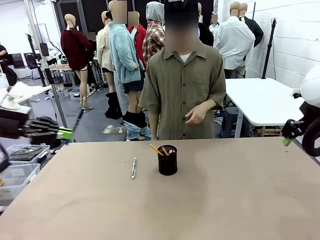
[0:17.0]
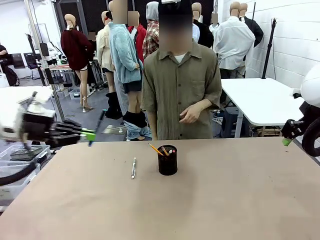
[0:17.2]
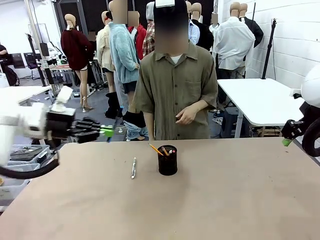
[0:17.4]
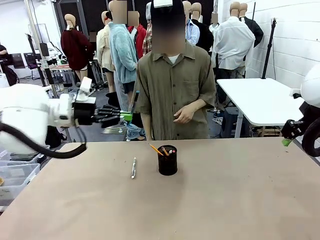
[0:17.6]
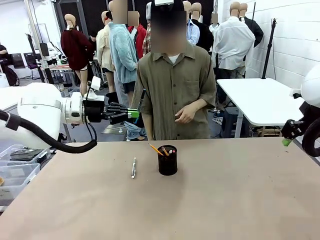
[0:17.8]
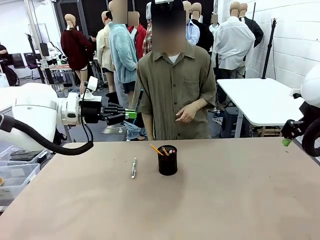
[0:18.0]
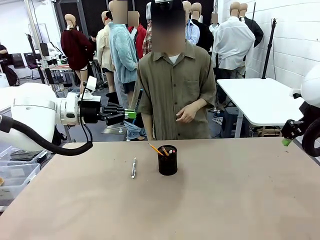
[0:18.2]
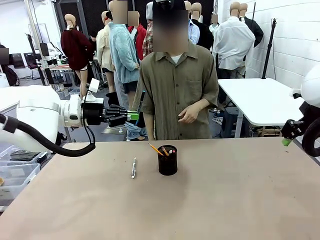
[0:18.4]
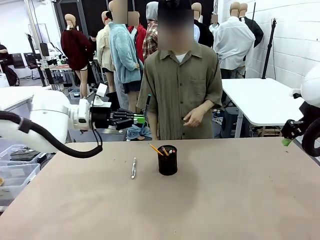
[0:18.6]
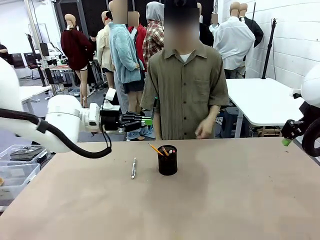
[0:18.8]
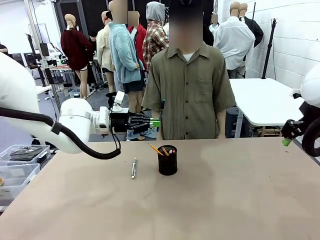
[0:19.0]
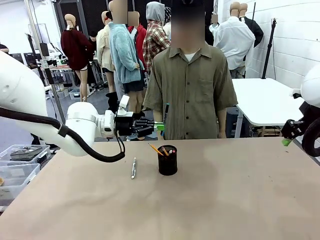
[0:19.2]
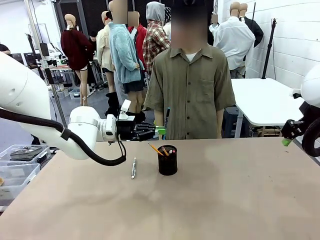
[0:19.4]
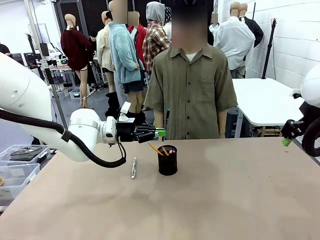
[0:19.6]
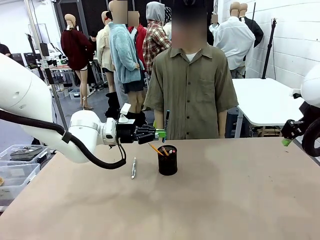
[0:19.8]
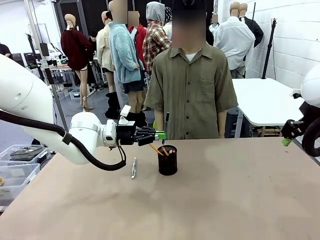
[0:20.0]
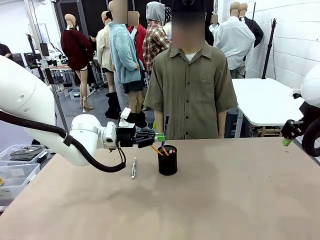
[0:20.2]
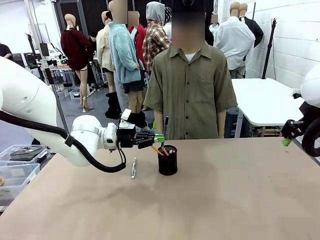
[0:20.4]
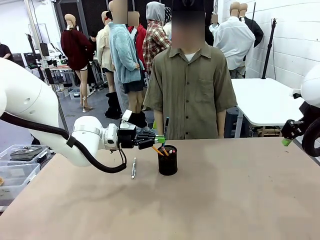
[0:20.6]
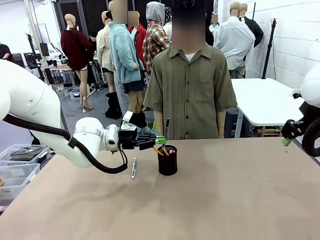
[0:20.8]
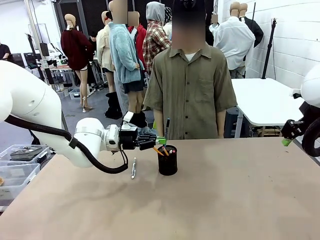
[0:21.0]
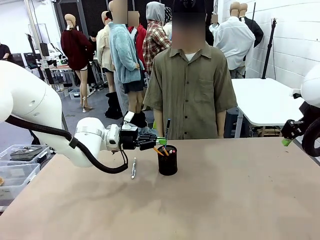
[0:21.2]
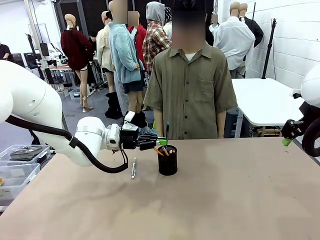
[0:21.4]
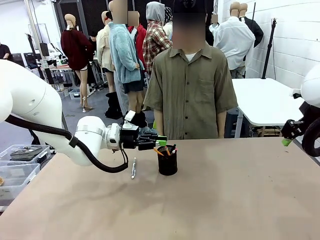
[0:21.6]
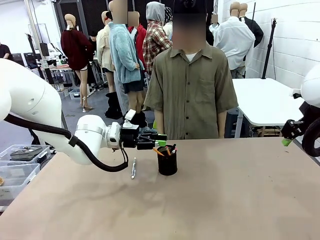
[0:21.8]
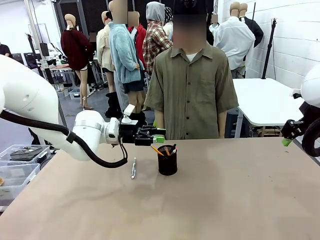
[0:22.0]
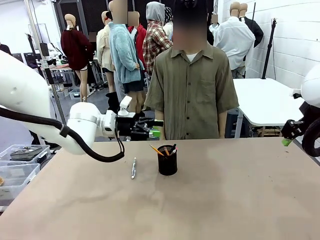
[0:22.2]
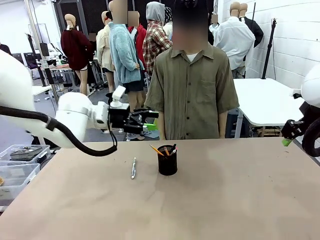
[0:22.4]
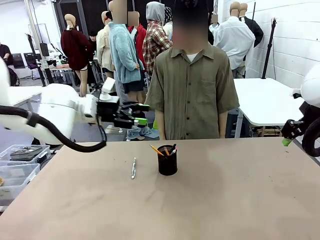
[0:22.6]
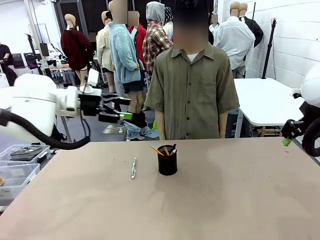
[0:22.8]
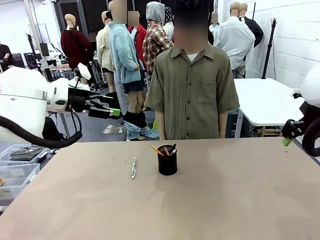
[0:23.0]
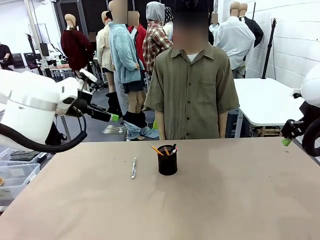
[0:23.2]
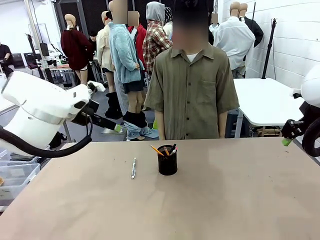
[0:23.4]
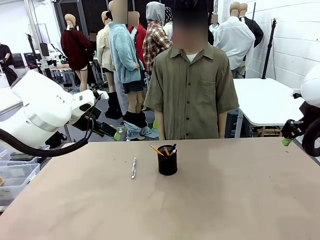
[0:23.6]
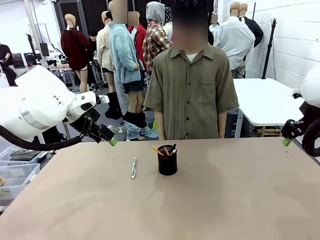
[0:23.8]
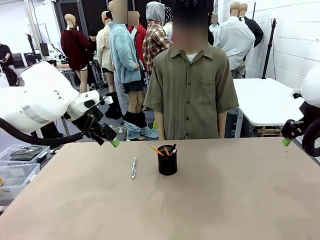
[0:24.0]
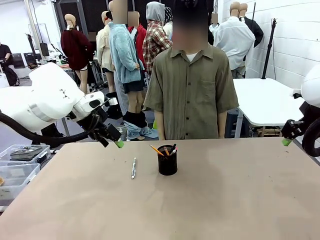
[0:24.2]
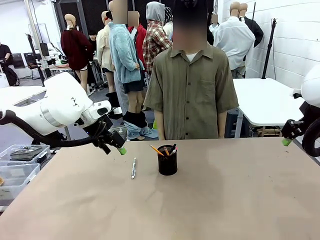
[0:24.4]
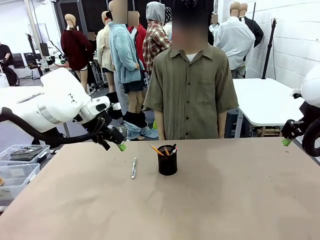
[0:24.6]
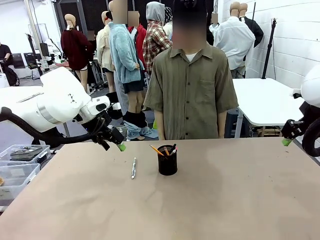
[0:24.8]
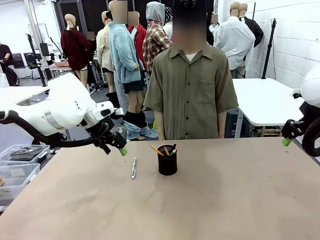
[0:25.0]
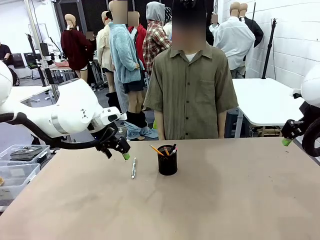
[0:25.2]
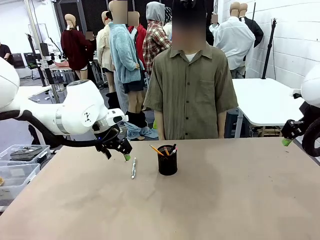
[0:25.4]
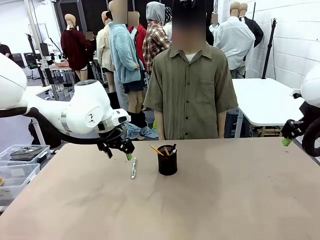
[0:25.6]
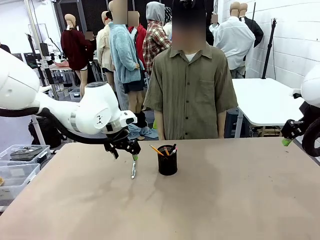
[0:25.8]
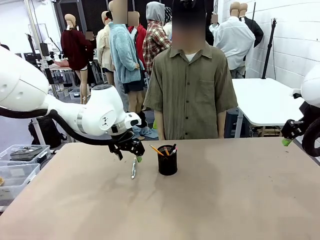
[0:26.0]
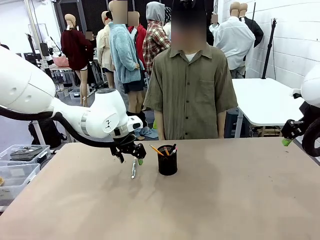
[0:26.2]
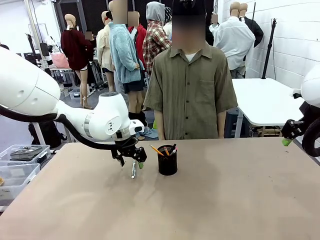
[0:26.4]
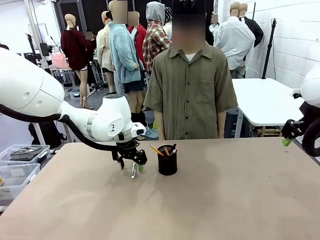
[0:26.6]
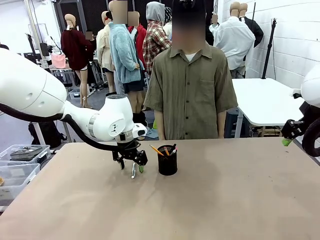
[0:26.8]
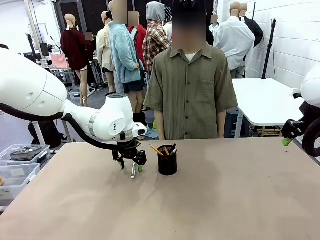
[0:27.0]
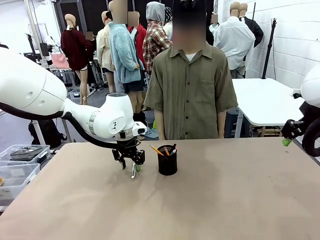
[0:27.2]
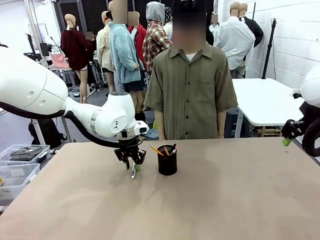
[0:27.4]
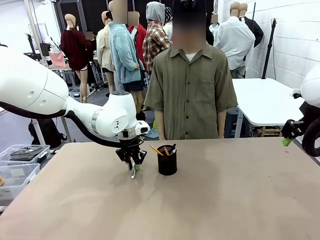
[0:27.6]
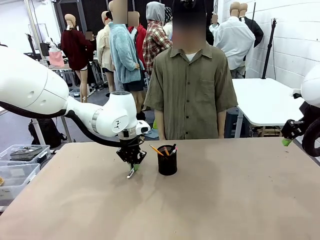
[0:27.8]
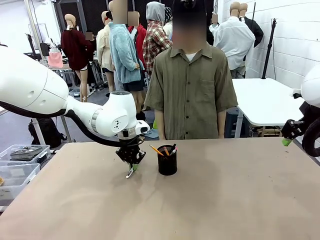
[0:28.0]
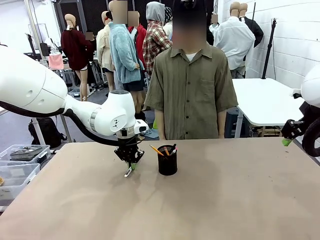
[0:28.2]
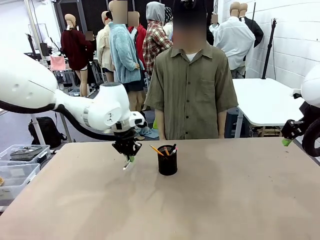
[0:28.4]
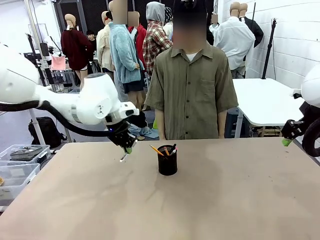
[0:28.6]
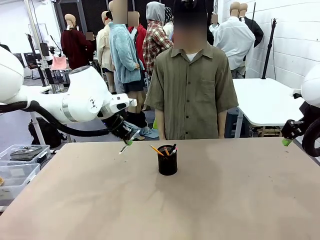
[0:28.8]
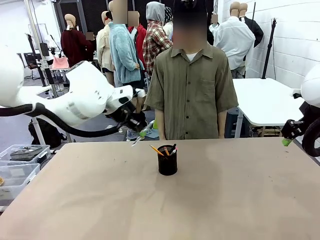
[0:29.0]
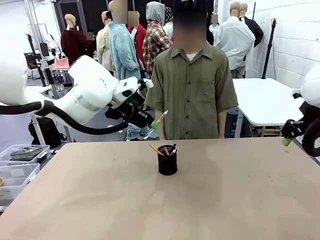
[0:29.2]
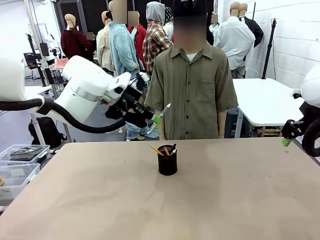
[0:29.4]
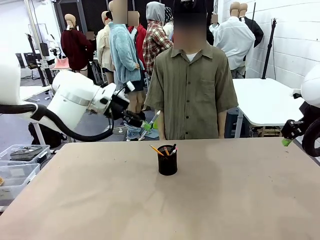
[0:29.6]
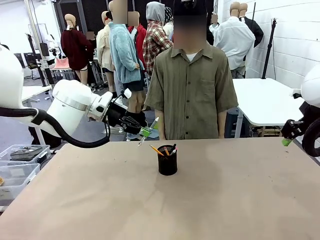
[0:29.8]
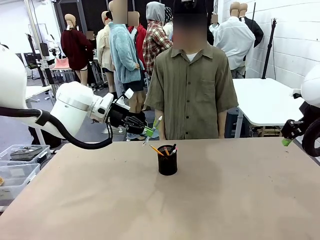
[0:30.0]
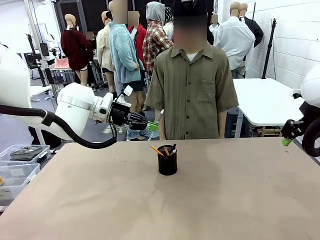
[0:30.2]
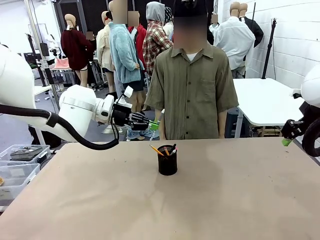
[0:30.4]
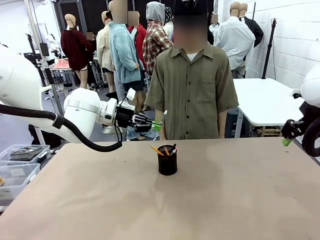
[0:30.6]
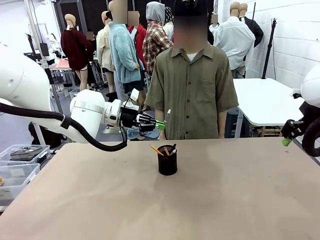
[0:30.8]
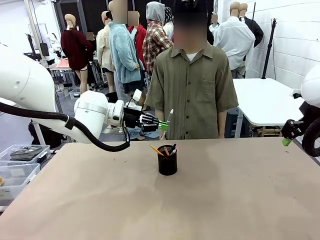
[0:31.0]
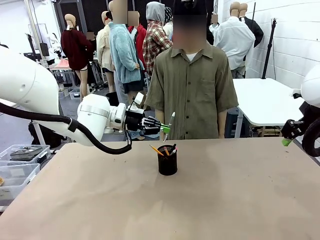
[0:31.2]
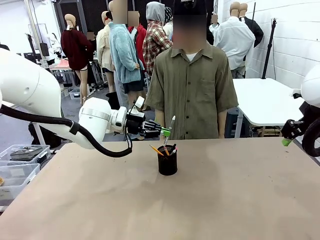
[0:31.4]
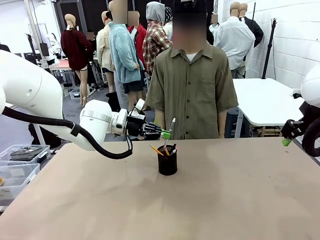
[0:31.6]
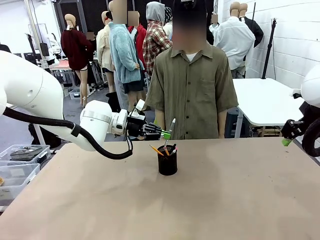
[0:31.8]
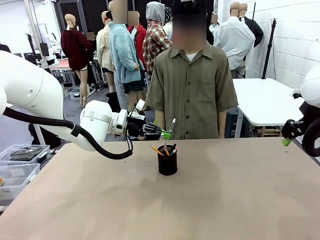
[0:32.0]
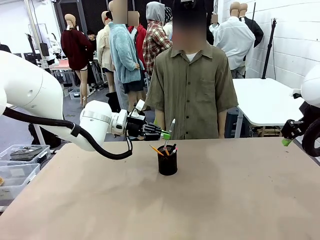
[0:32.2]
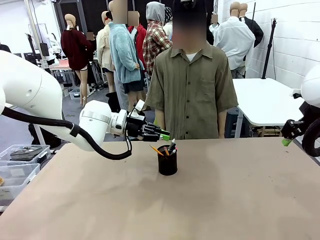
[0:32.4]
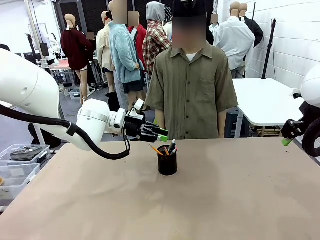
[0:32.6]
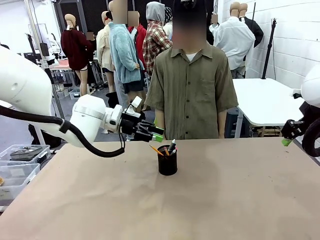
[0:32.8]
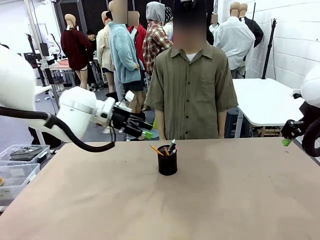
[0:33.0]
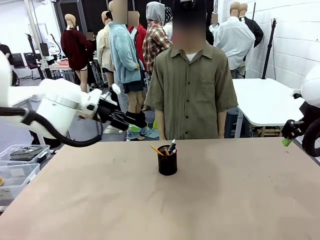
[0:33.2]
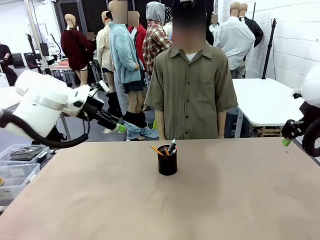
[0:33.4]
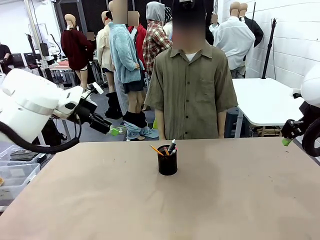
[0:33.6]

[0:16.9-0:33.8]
Task: Place the pens into the pen holder.
Robot: Pick up a writing instrument from the table and place it into the Pen holder.
Person: Place all writing instrument into the Pen holder.
